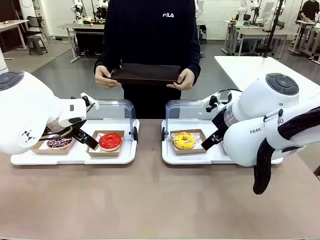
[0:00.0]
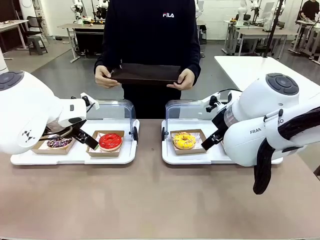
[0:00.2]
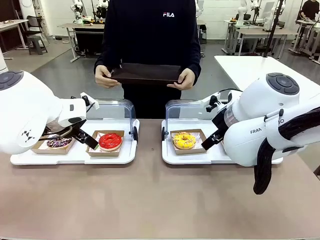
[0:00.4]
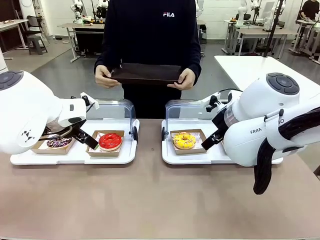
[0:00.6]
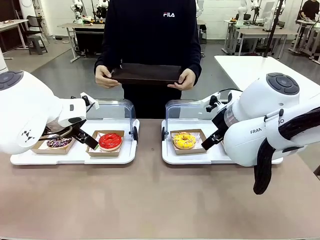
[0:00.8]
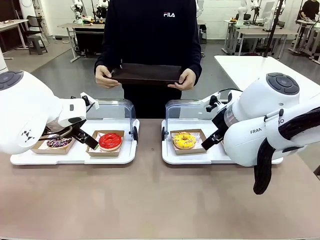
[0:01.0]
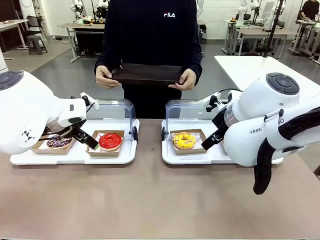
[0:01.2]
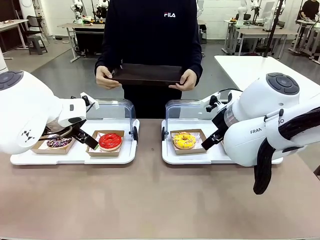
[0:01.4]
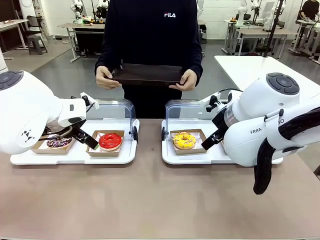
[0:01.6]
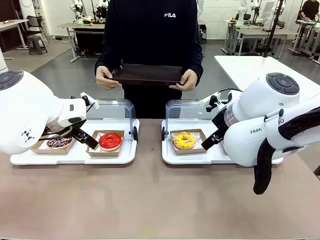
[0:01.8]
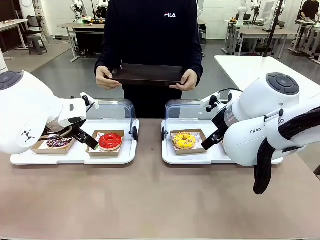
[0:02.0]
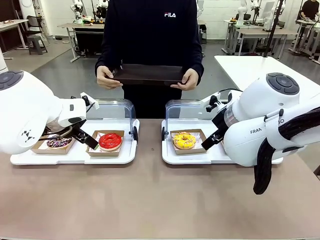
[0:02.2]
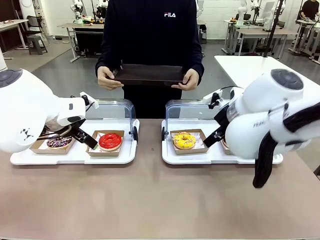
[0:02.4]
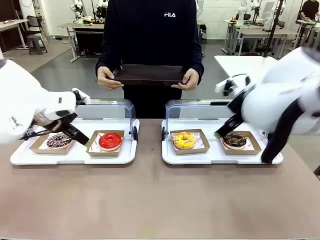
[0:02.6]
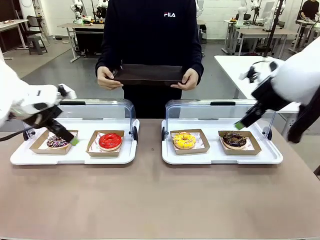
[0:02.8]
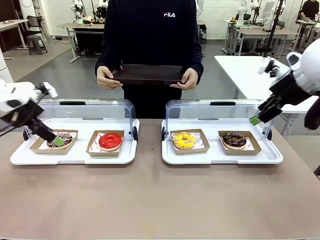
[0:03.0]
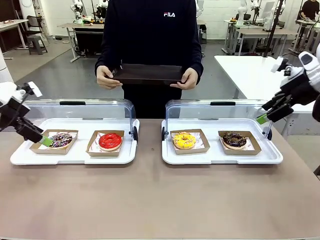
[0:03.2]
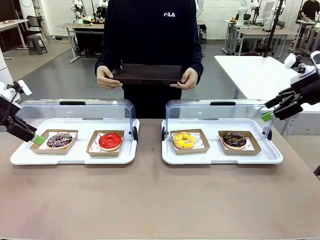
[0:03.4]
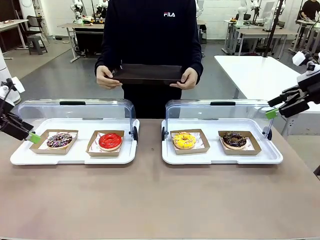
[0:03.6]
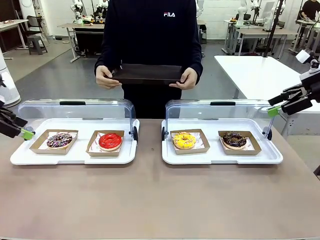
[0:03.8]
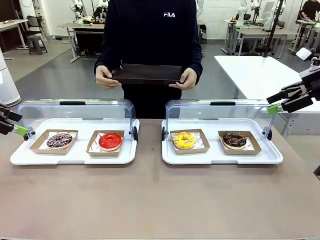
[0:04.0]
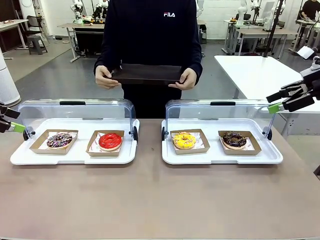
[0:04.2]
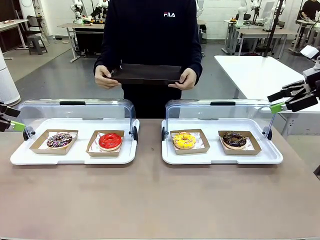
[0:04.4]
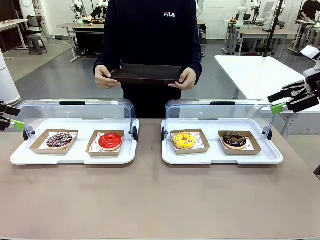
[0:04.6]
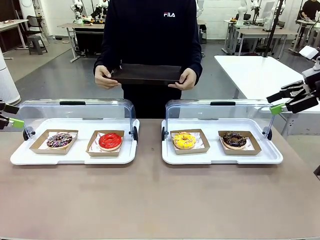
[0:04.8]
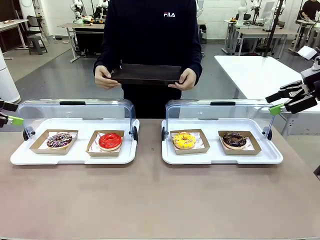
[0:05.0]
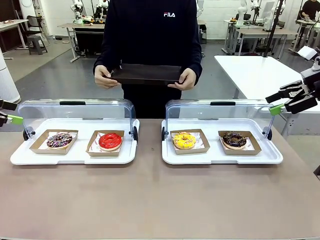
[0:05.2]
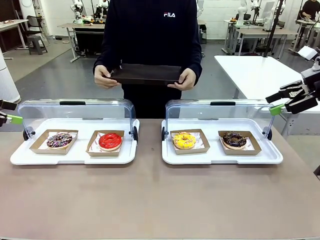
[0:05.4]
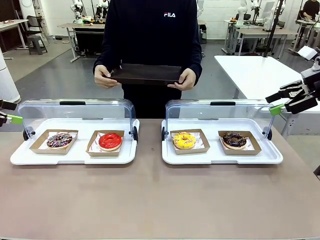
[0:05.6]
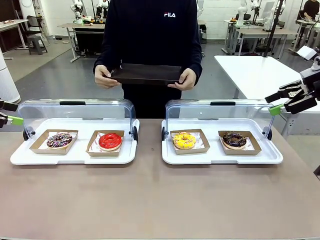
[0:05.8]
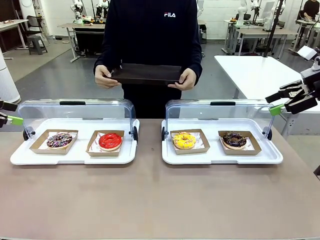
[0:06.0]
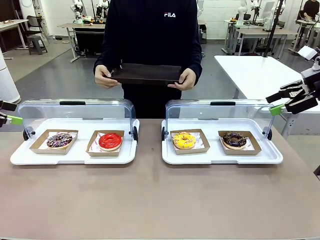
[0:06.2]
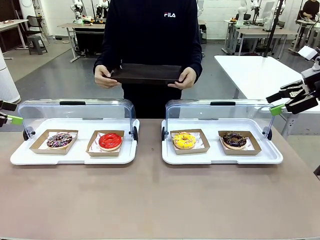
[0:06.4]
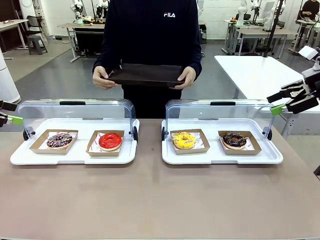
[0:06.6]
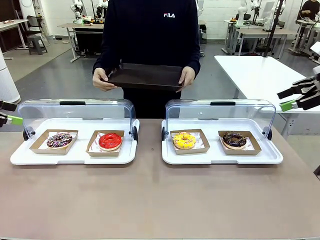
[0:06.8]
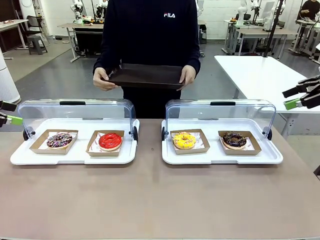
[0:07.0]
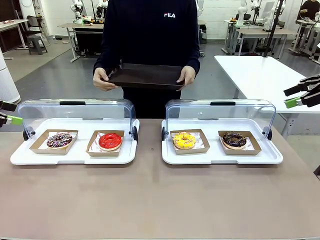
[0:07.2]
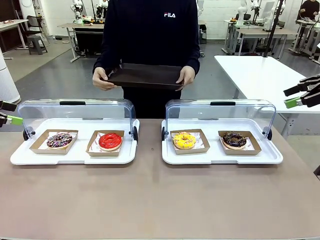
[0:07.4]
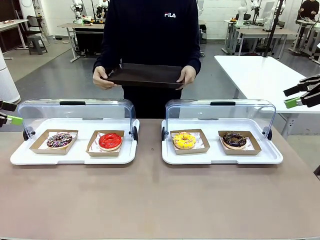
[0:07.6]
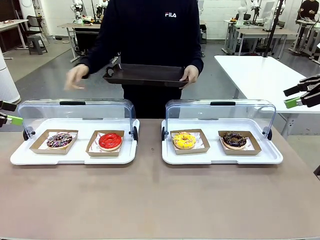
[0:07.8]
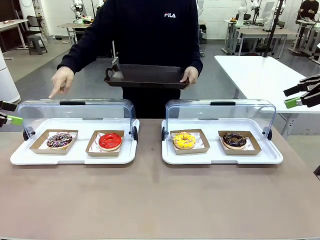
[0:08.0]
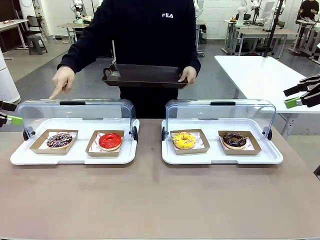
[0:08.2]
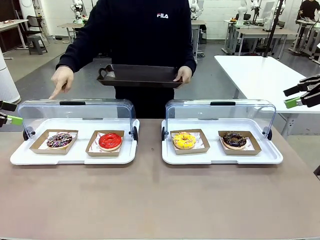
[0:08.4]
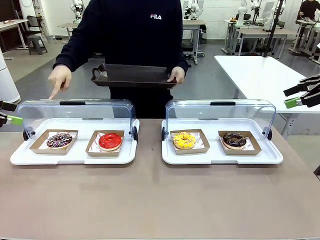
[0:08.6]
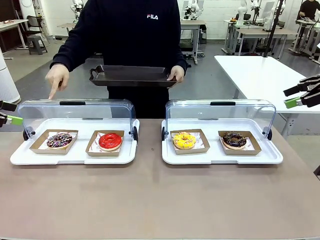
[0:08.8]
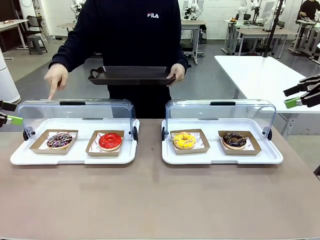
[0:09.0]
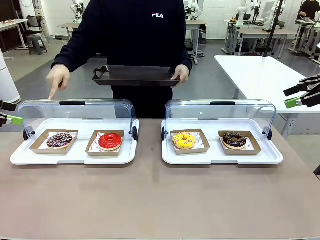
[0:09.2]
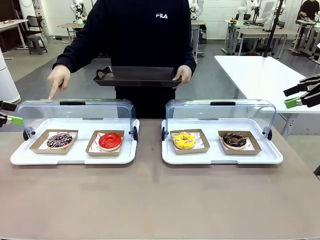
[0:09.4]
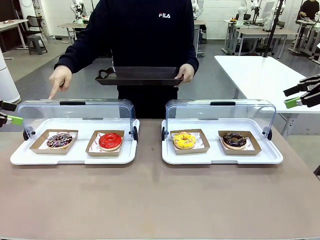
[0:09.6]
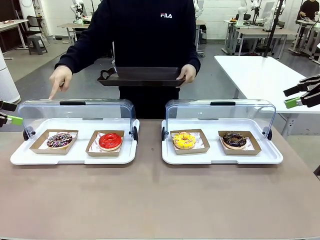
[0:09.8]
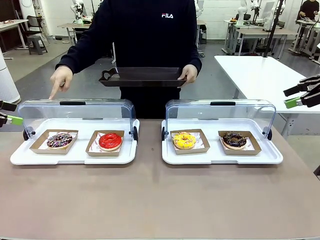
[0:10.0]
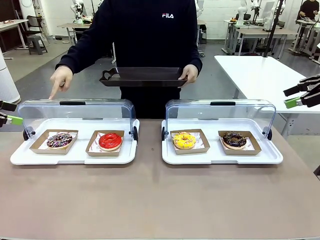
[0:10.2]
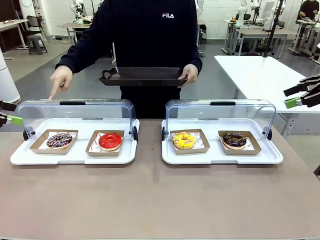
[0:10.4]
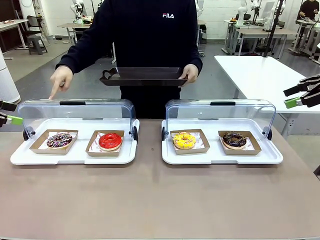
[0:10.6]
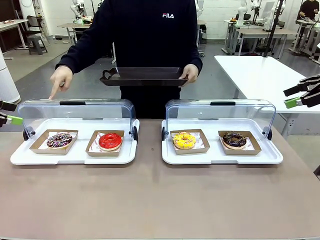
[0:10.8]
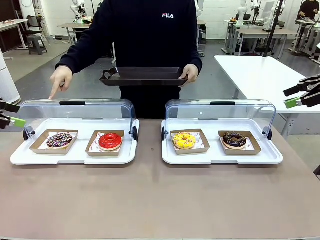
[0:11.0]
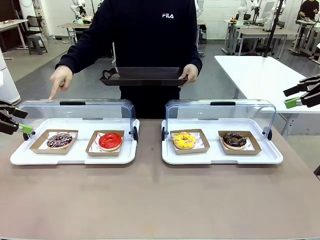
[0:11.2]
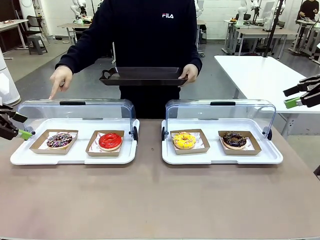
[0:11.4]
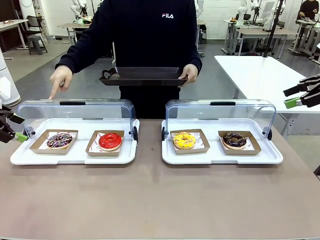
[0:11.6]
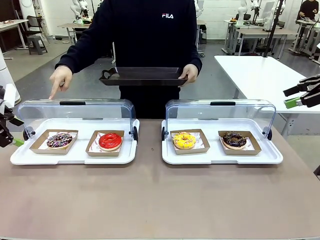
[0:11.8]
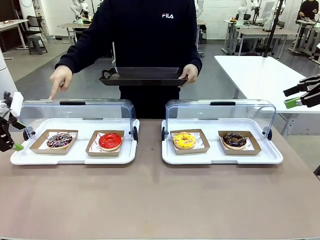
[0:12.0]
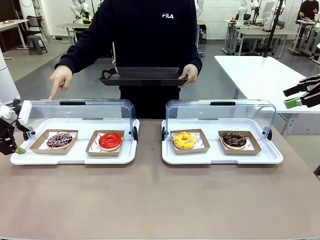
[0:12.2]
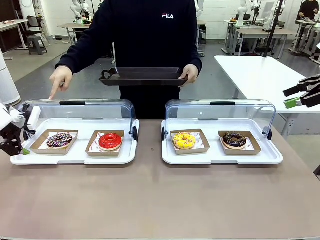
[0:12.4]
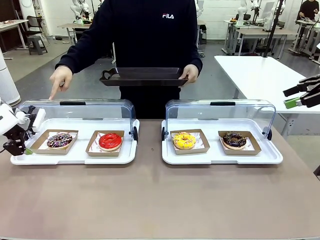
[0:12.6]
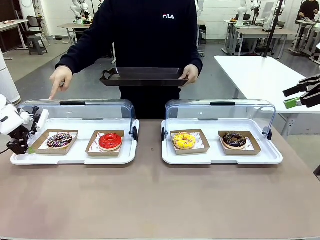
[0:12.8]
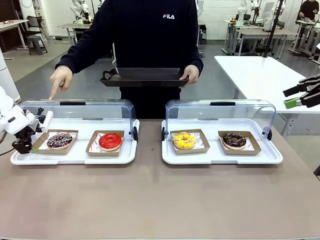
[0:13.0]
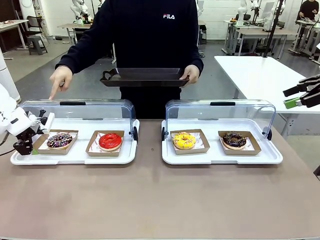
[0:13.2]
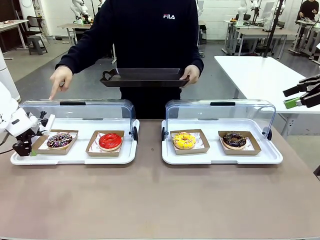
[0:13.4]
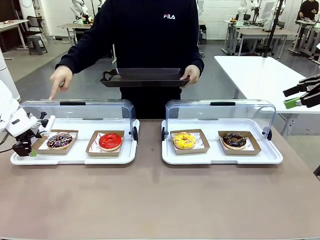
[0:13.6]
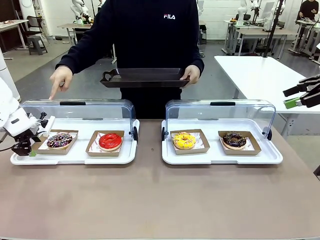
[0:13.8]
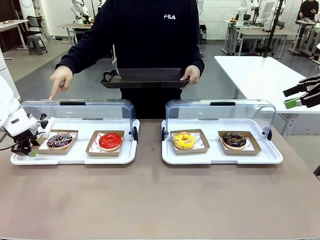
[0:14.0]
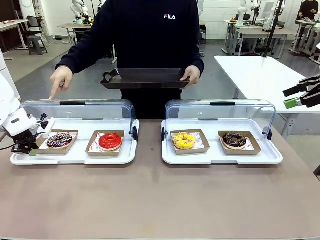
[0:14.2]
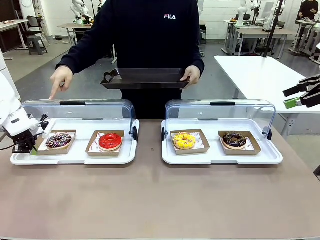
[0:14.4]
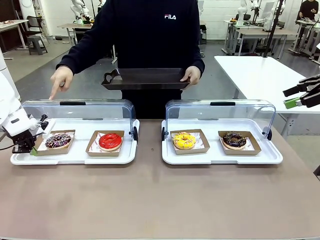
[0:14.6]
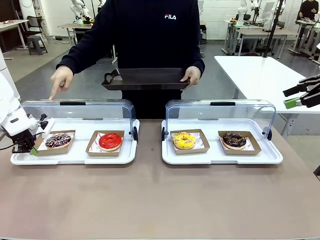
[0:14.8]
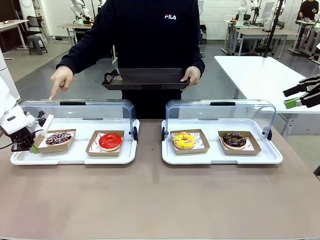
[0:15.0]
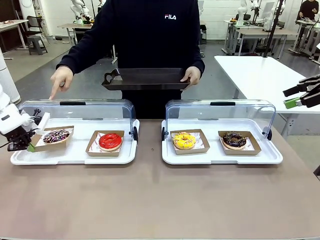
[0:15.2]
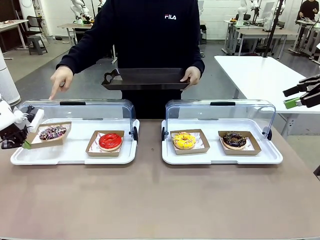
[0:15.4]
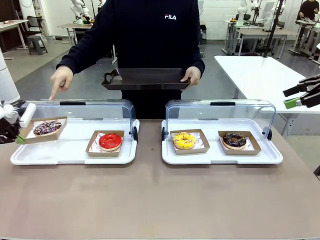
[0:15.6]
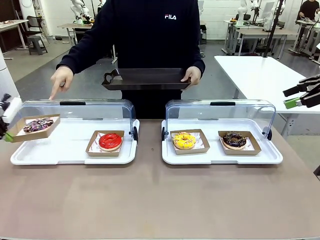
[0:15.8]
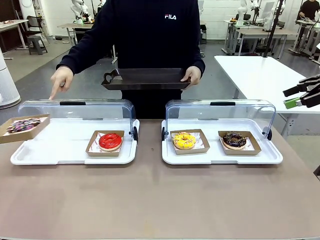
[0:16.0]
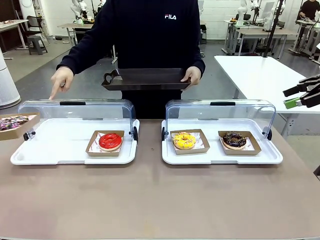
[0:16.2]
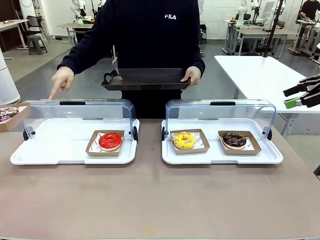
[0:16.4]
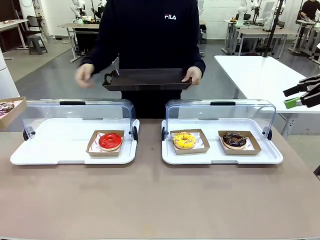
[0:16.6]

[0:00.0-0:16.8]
Task: Provide the desired donut to the person.
Robot: Pick up and lift the Paper togo box containing the Donut pointed at by the person.
Person: Point to one donut. Lift the tray onto the Roll-Top Bakery Case.

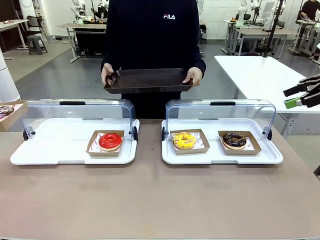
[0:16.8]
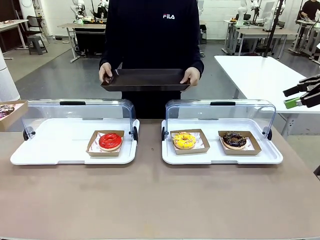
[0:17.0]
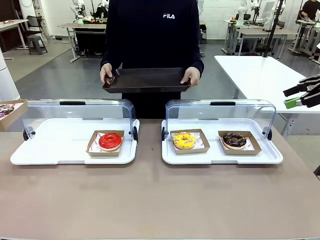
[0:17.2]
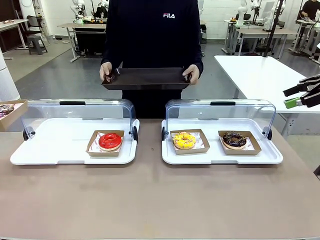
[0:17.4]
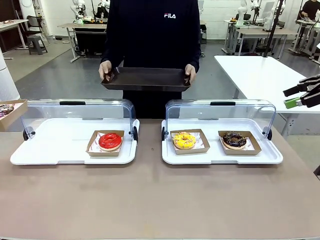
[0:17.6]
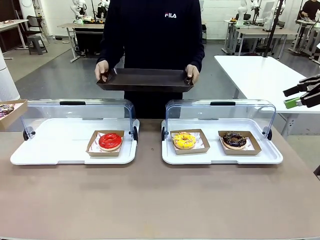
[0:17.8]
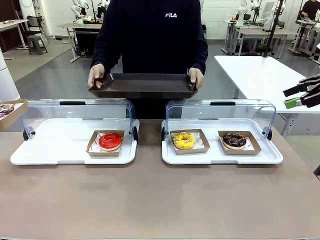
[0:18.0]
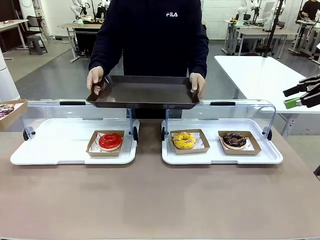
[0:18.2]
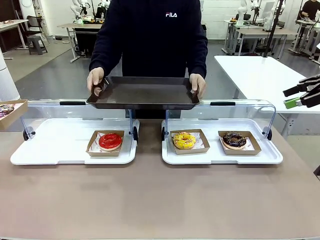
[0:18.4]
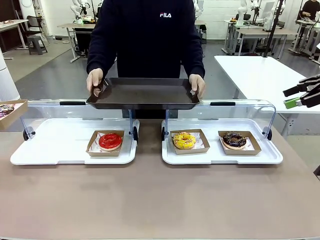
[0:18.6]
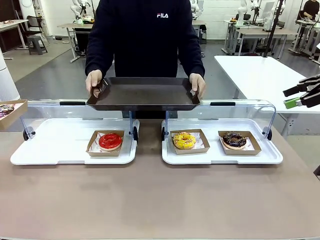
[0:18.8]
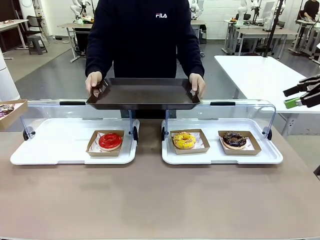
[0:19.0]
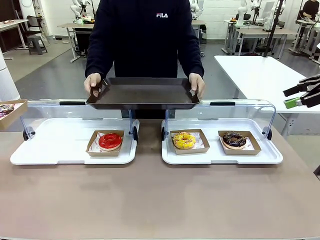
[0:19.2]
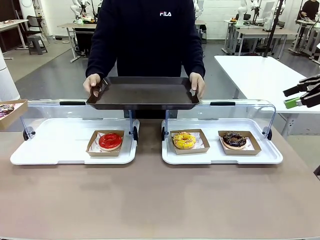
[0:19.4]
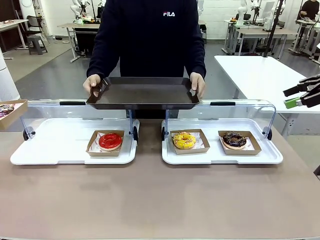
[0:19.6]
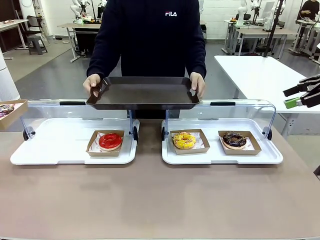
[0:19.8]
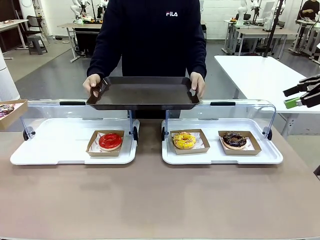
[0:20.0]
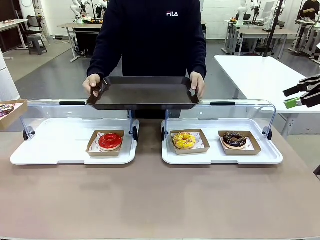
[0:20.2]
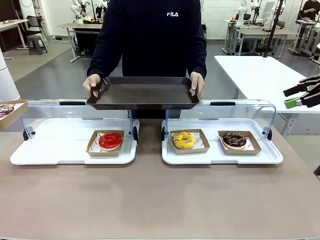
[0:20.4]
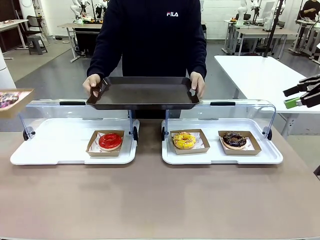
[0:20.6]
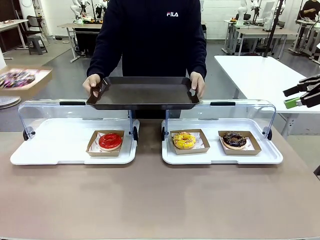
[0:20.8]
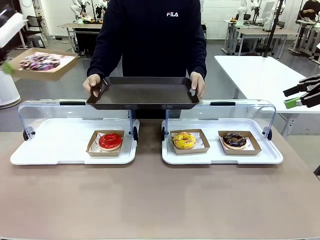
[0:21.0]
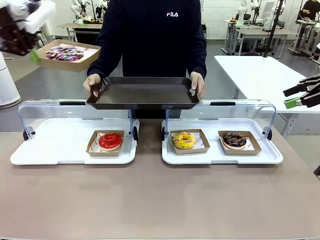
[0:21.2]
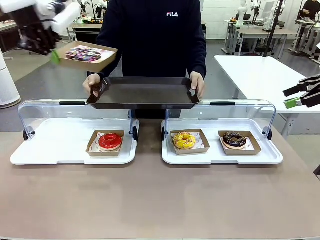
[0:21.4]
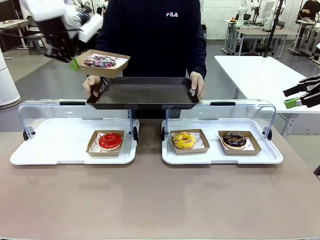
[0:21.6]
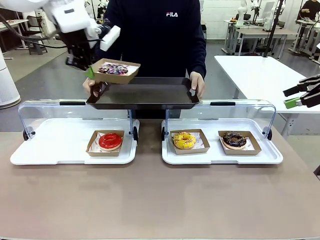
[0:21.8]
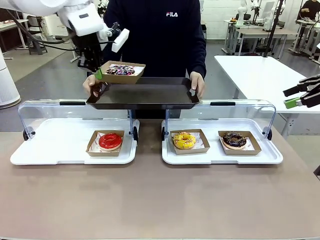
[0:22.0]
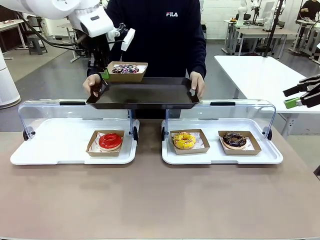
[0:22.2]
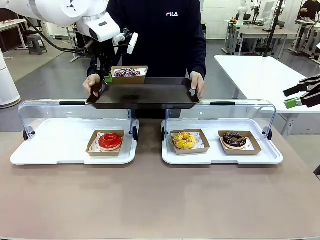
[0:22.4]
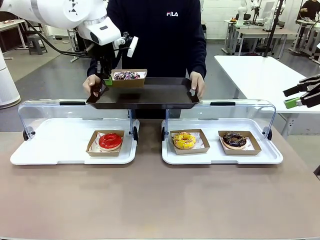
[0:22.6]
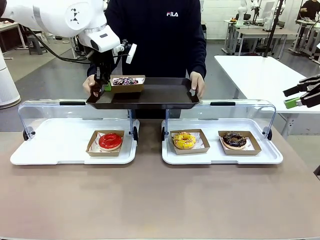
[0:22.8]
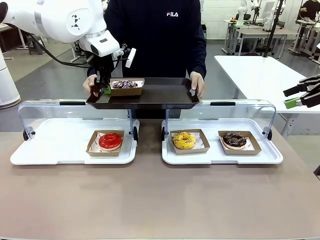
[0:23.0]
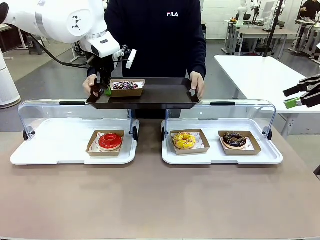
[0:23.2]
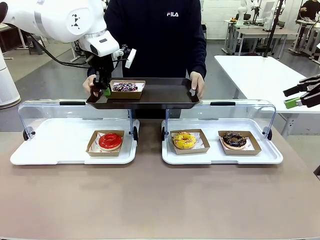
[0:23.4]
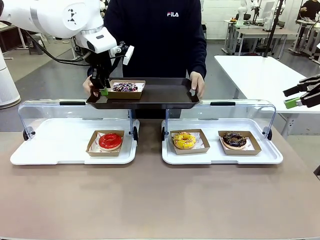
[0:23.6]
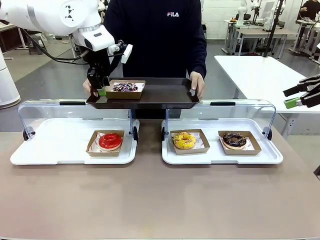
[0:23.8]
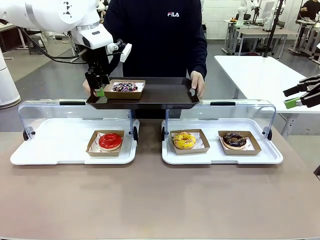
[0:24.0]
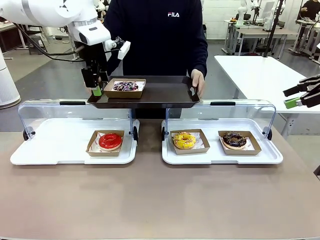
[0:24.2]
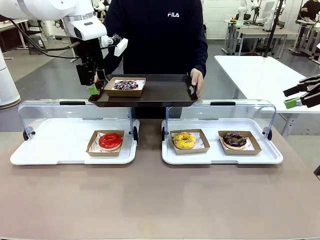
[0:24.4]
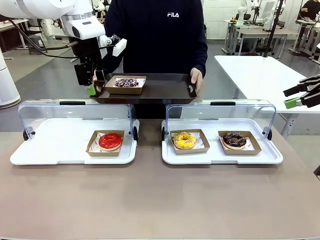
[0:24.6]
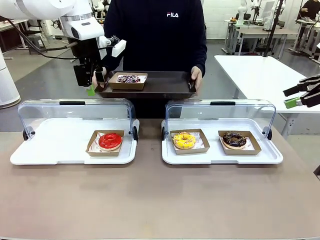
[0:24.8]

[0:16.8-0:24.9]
Robot: Place the picked Paper togo box onto the Handle tray extended by the person.
Person: Point to one donut.
